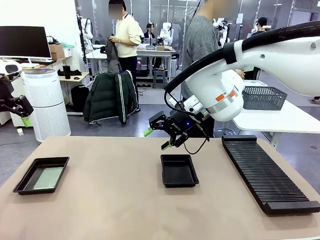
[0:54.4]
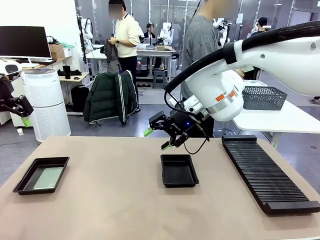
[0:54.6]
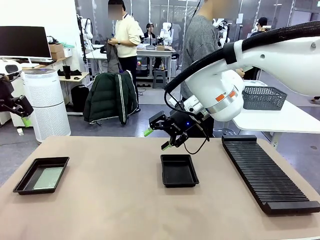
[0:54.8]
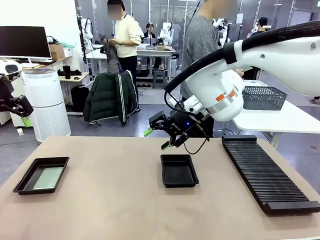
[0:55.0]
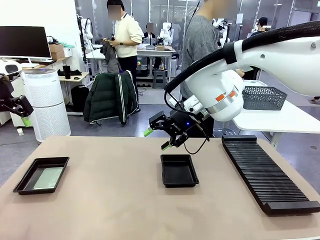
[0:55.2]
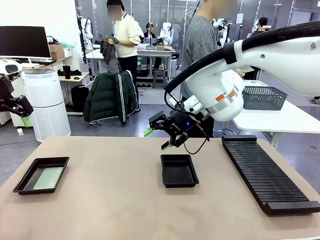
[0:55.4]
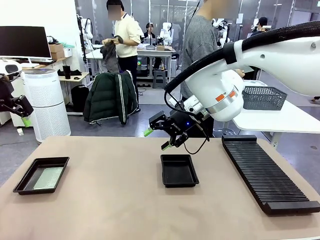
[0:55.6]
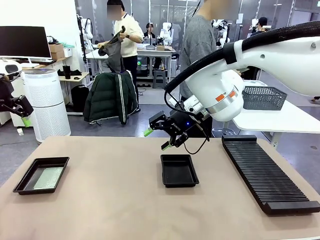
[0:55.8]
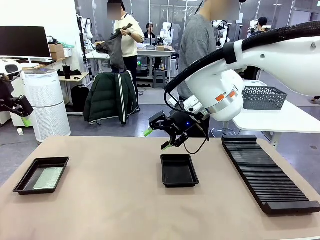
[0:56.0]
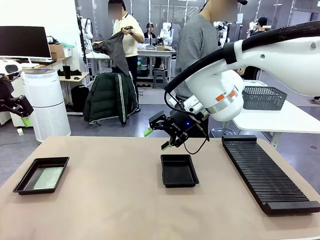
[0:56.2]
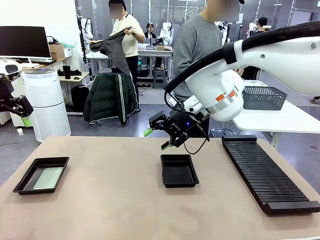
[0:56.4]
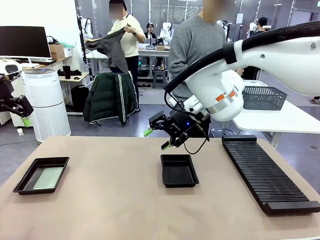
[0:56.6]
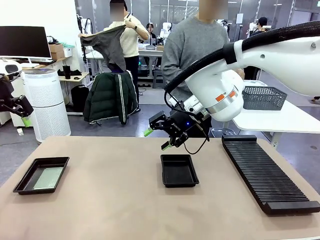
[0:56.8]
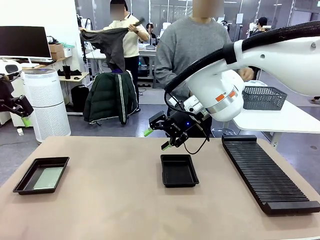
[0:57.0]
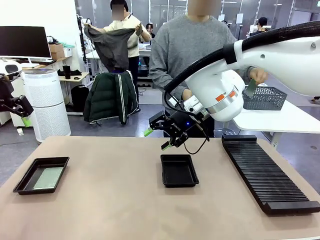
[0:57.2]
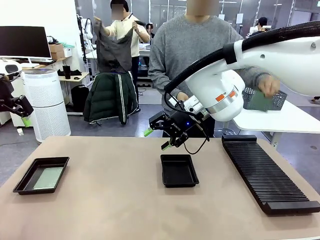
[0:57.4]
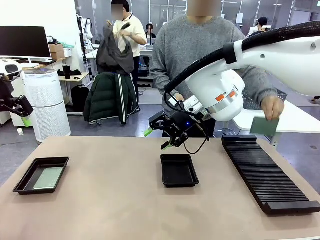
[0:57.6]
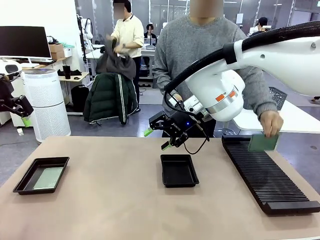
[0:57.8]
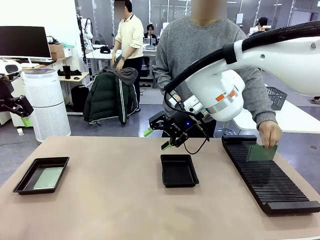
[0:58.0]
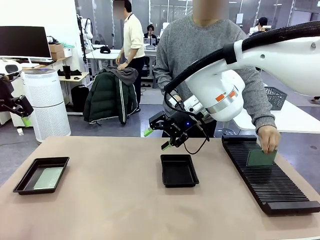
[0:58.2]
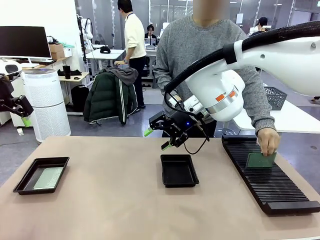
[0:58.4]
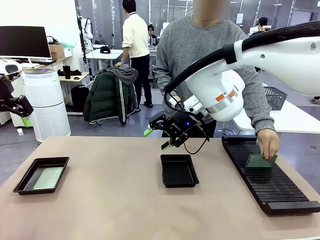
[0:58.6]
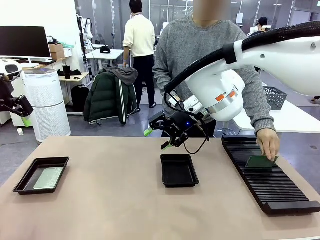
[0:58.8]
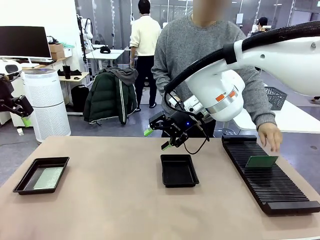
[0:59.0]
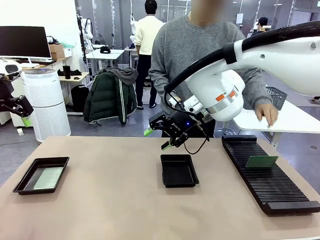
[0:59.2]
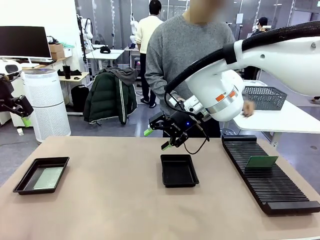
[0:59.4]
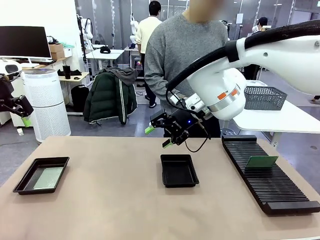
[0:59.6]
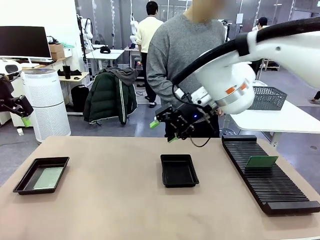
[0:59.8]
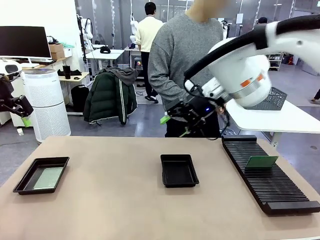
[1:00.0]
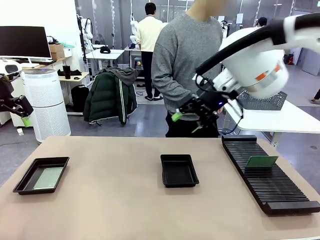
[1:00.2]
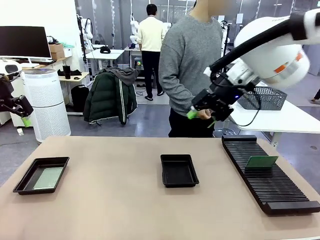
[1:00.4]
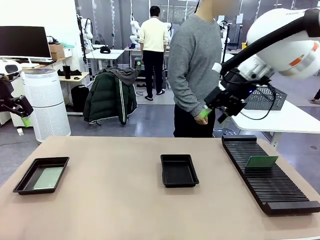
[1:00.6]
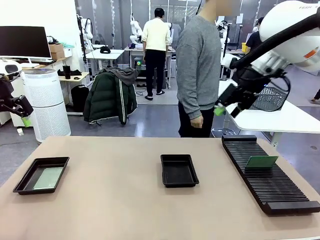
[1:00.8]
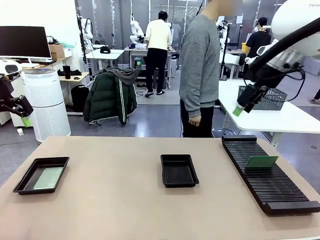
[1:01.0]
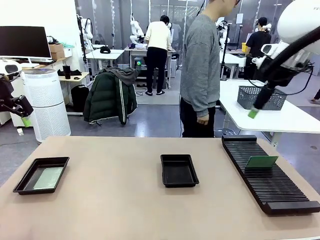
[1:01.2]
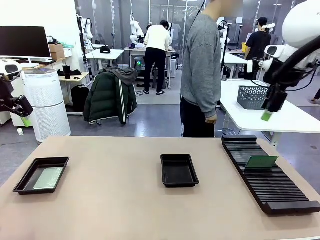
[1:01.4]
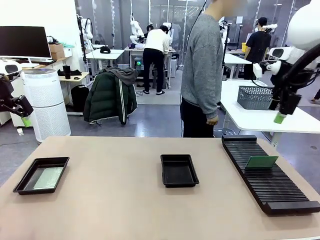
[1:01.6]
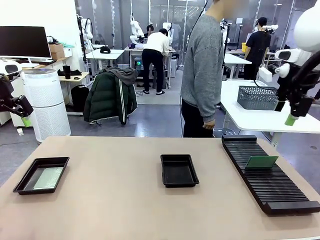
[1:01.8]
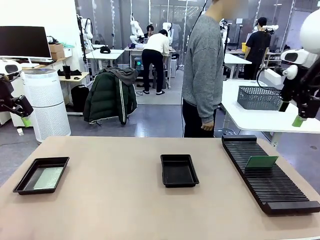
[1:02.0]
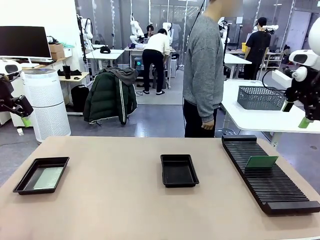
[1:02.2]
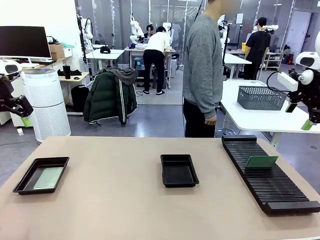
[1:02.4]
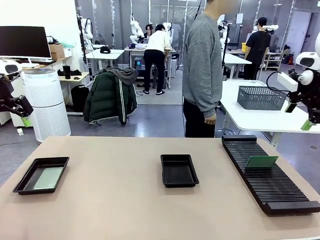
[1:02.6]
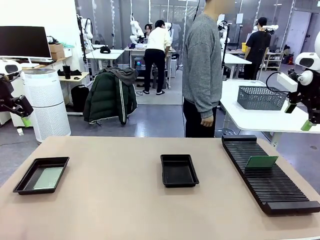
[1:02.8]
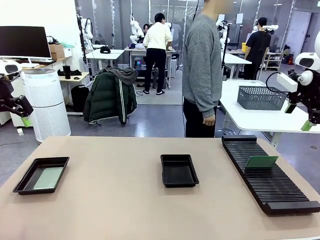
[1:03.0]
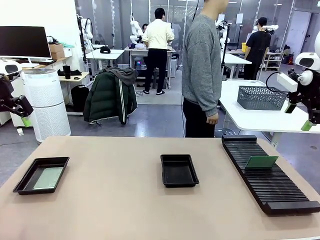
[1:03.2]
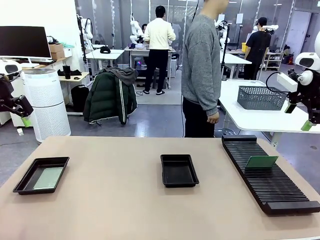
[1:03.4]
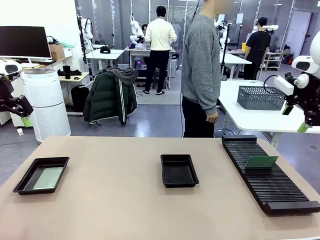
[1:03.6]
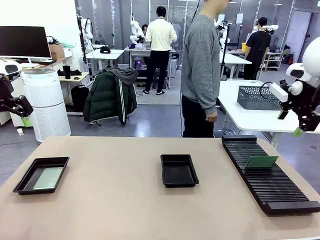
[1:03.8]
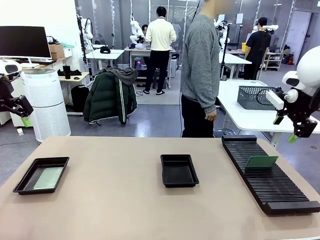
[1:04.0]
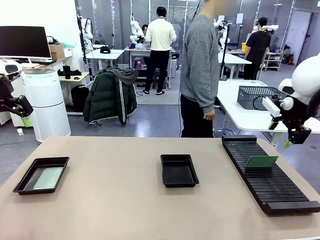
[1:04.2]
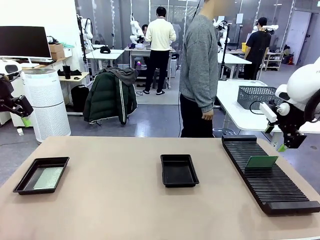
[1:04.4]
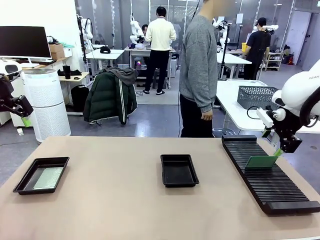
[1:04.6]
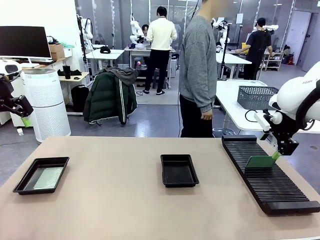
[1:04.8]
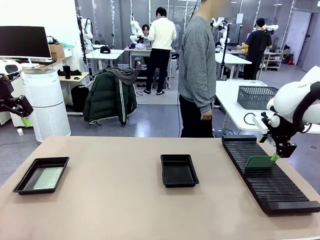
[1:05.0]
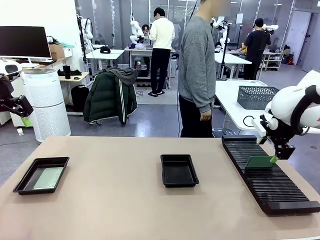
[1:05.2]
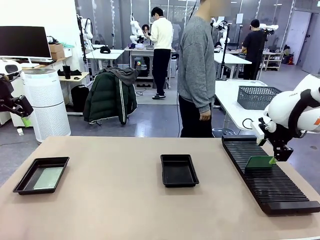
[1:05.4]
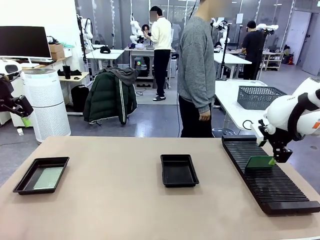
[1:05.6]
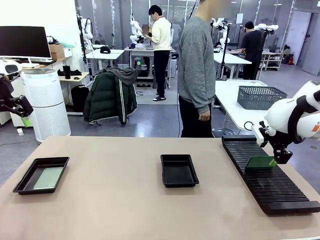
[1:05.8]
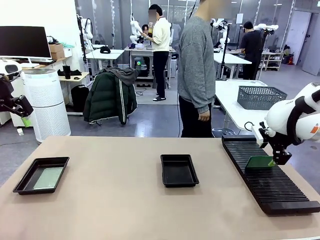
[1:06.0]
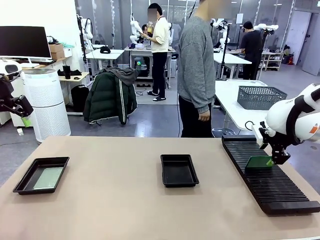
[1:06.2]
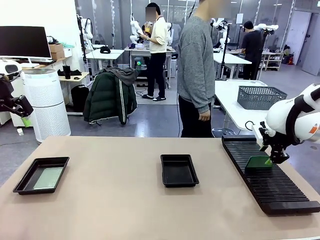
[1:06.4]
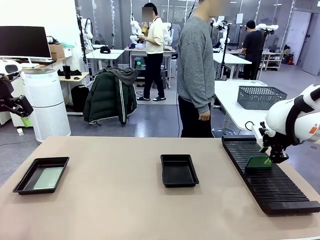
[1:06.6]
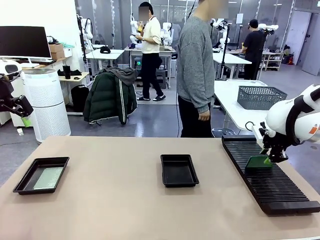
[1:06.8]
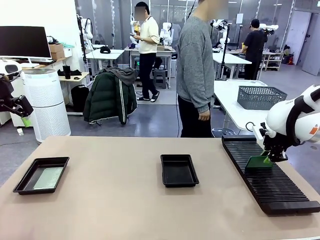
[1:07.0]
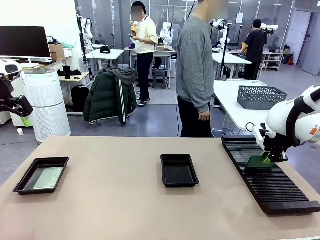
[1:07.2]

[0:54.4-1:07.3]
Task: Inspect and transfer BCBs to ESD trays.
Robot: Pick up the Blank PCB from the PCB Rack and place it in the right ESD tray.

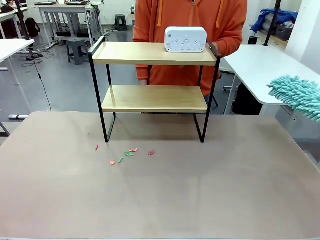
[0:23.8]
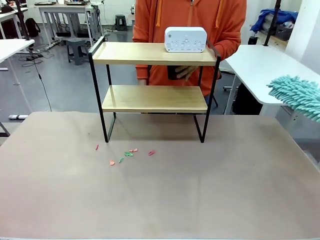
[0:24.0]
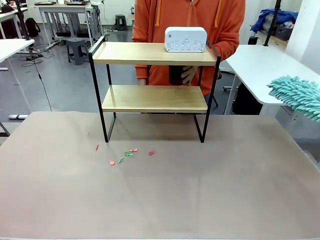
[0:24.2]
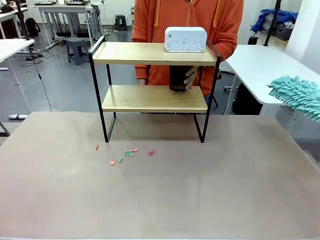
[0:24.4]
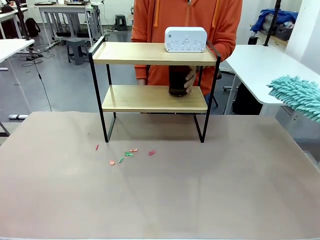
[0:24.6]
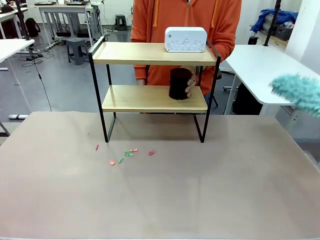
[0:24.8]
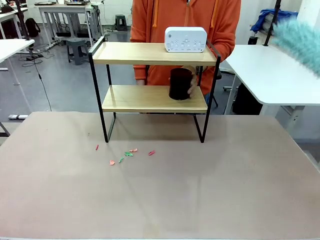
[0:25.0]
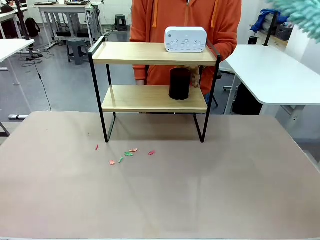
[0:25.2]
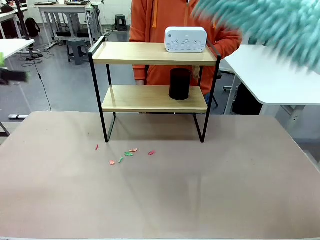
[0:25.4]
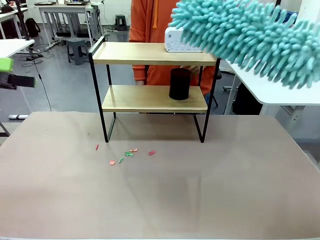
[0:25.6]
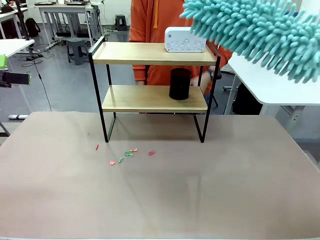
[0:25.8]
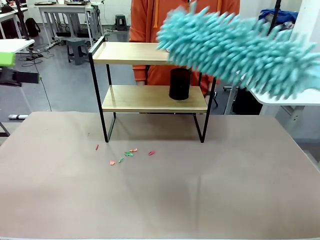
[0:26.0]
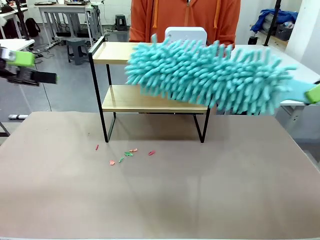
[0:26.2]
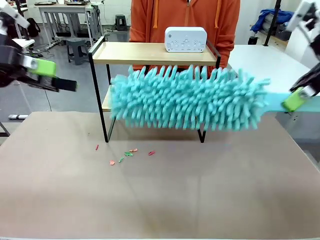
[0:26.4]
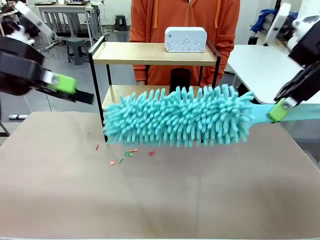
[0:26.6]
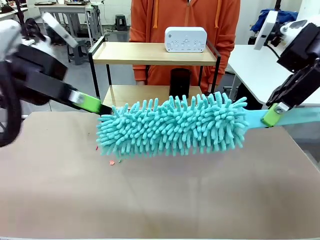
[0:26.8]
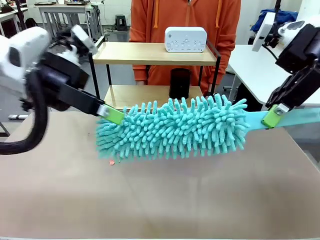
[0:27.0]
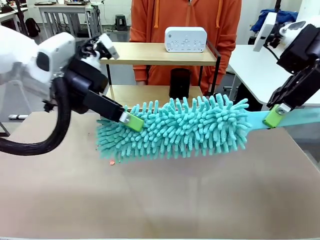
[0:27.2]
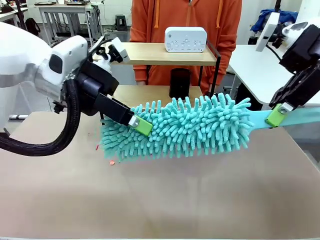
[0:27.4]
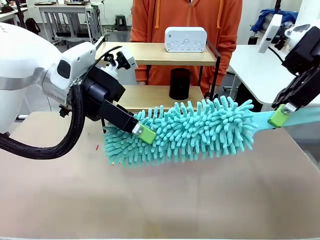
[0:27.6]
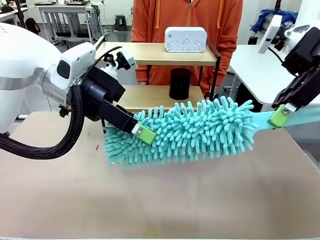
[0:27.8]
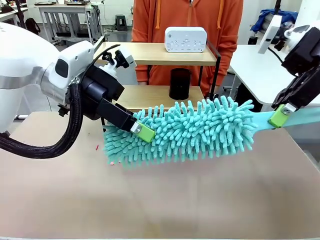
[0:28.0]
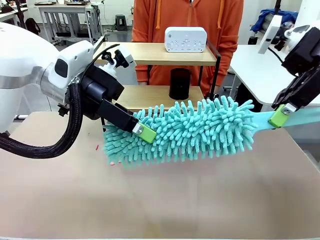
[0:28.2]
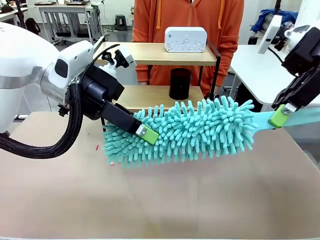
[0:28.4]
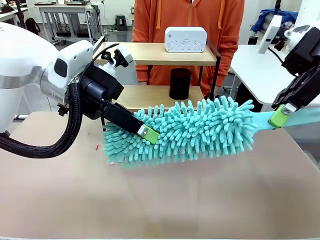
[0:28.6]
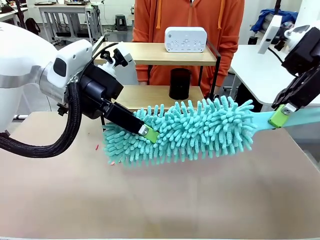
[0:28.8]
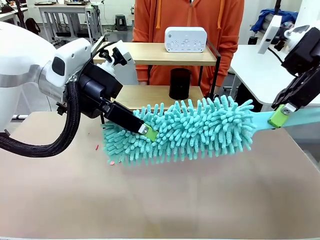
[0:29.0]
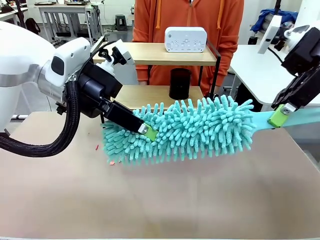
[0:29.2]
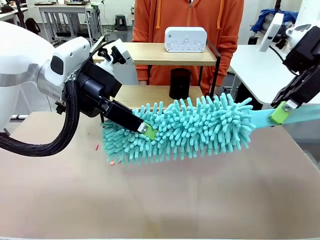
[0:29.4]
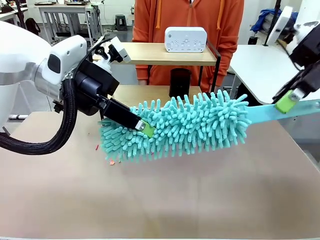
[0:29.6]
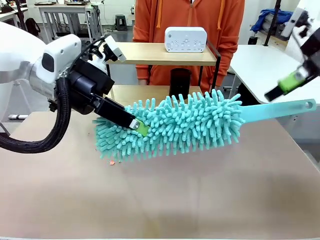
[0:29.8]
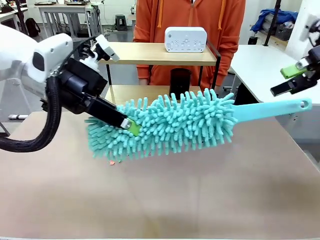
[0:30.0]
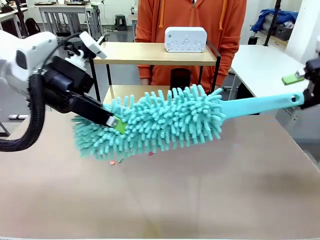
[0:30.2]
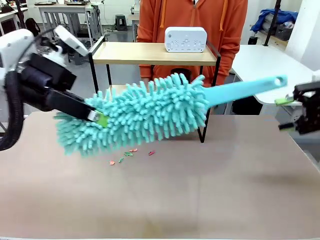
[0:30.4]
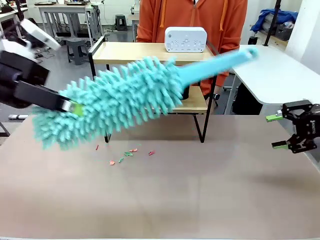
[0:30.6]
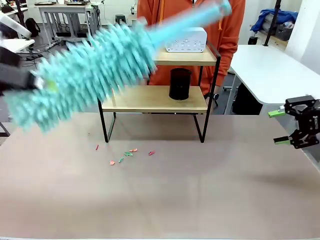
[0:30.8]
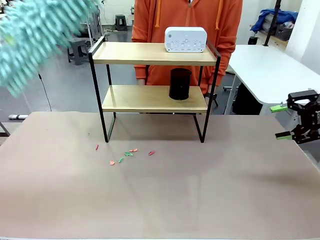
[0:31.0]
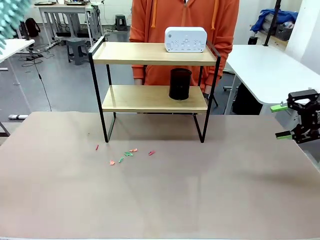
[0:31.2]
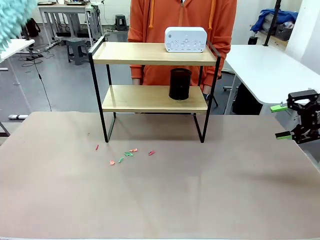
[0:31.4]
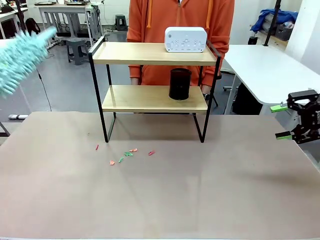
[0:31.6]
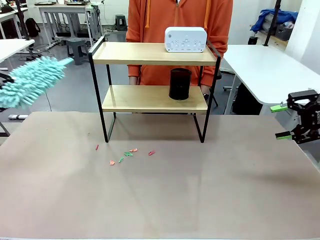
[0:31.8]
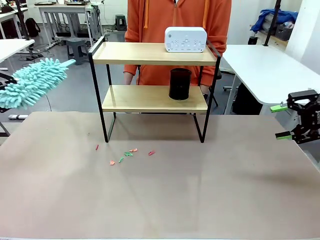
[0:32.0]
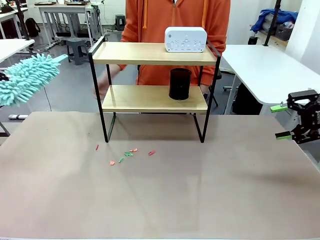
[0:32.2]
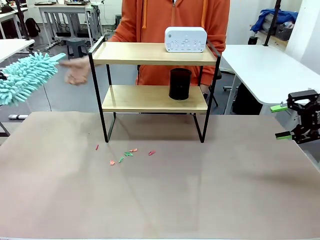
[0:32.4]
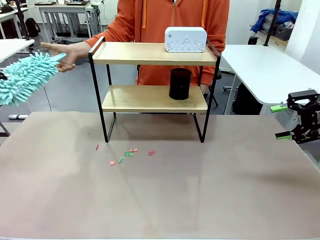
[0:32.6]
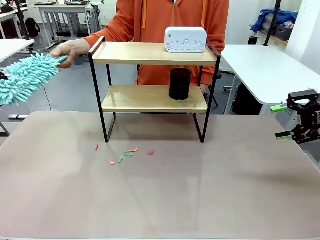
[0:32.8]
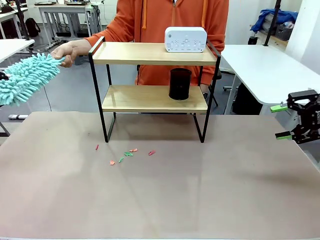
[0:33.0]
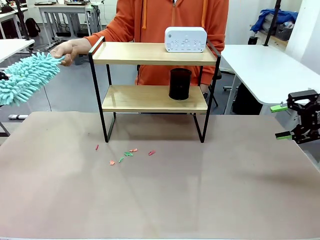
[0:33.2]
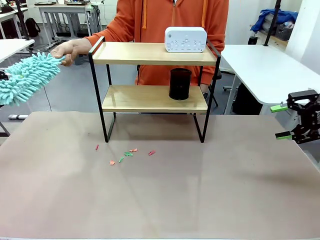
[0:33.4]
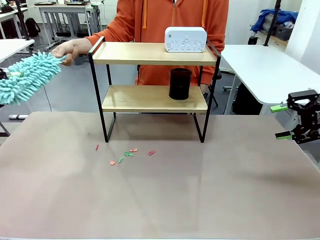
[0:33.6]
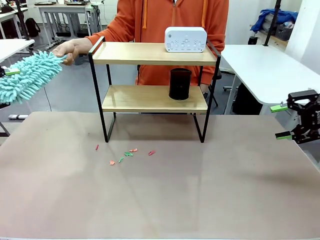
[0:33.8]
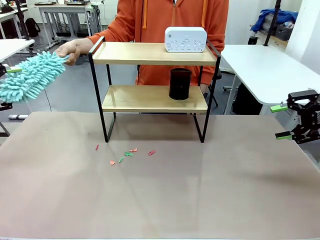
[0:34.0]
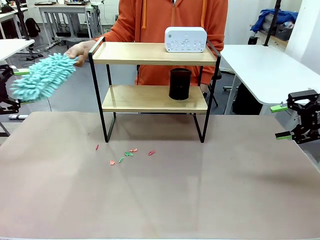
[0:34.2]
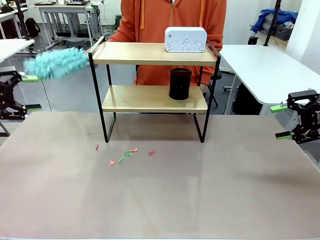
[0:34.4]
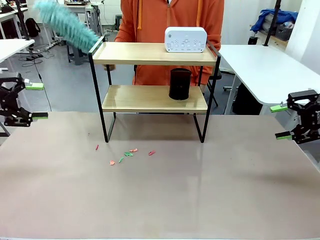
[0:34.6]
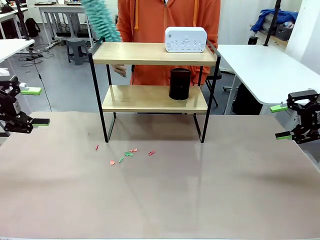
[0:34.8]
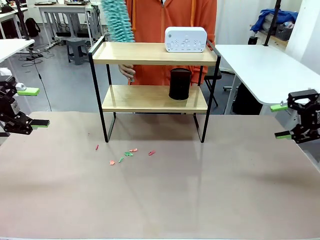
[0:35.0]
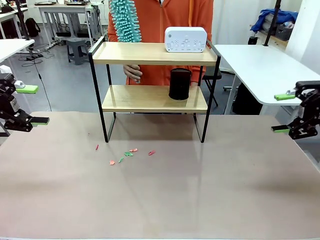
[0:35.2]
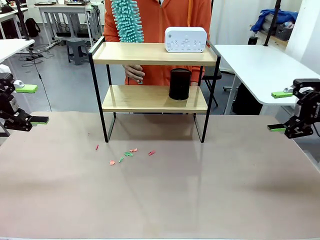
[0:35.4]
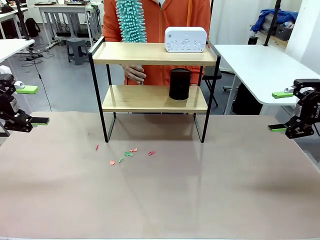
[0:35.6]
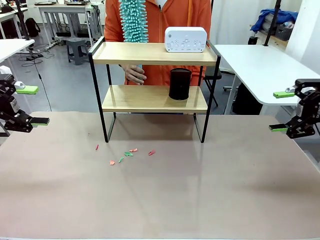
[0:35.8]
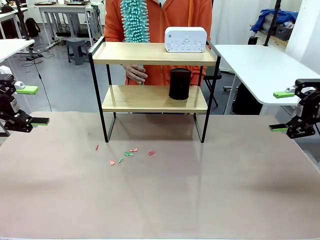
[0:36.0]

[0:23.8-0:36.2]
Task: Clean the shelf.
Robot: Hand the Duster back to the human.
Person: Receive the Duster from the robot.
